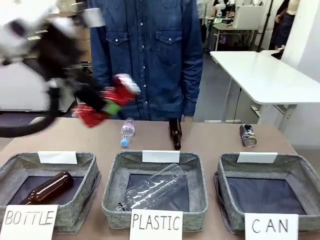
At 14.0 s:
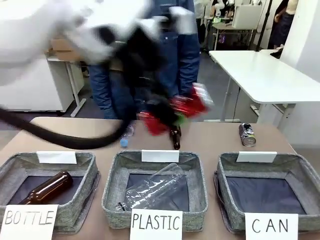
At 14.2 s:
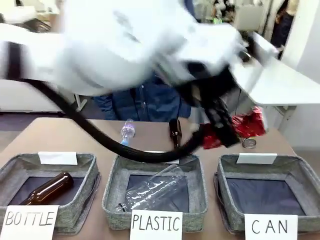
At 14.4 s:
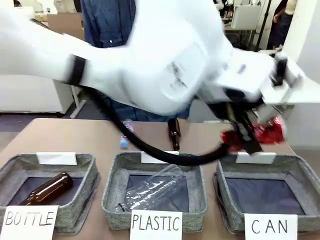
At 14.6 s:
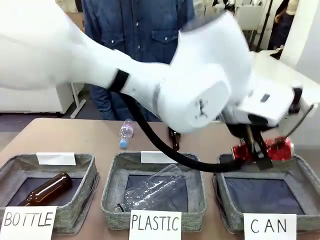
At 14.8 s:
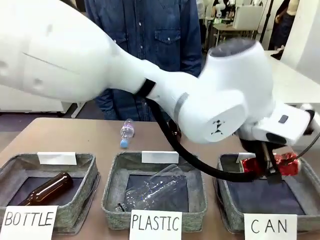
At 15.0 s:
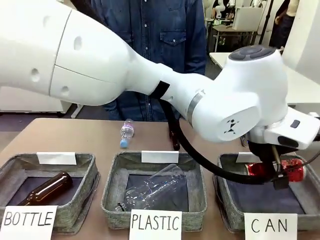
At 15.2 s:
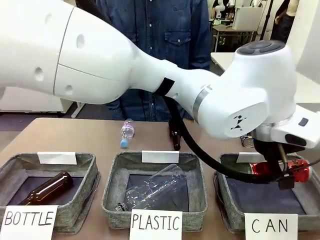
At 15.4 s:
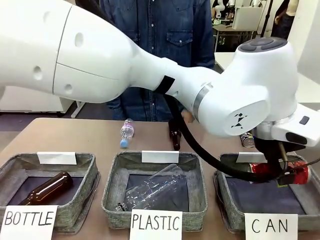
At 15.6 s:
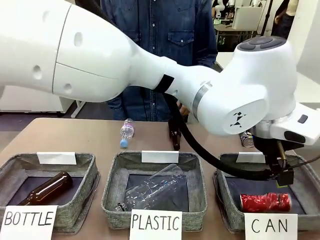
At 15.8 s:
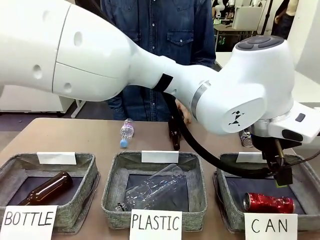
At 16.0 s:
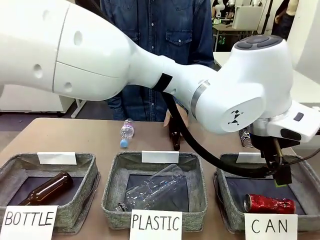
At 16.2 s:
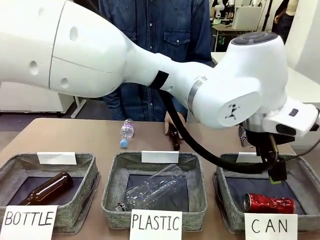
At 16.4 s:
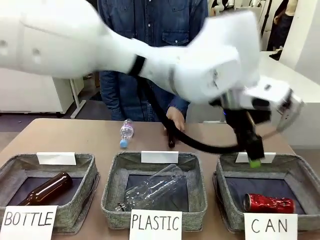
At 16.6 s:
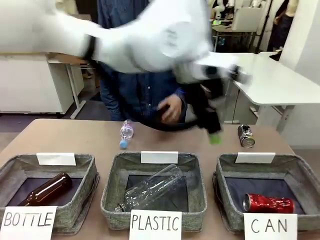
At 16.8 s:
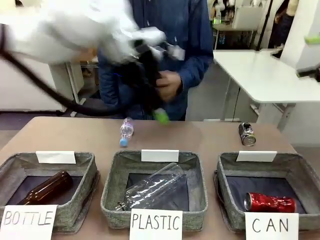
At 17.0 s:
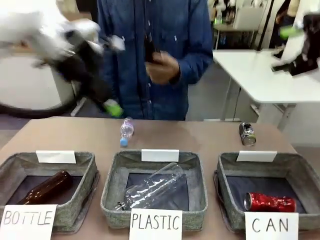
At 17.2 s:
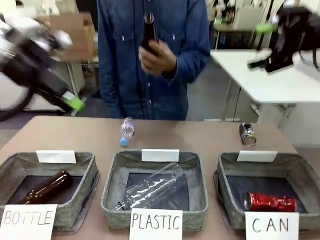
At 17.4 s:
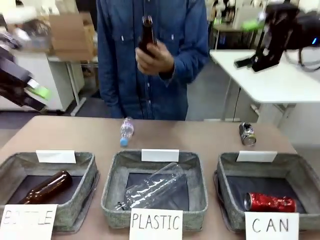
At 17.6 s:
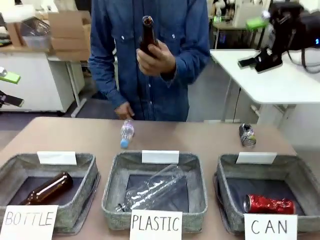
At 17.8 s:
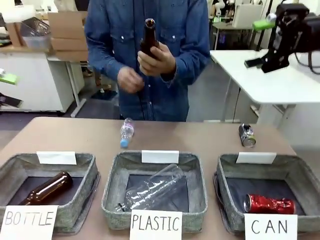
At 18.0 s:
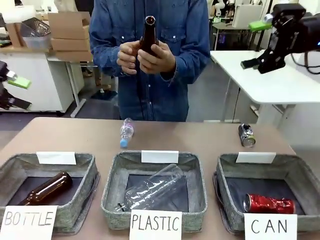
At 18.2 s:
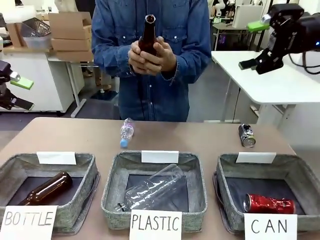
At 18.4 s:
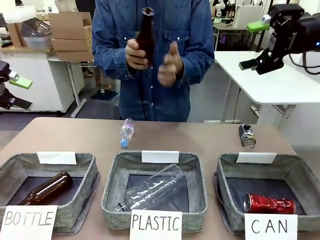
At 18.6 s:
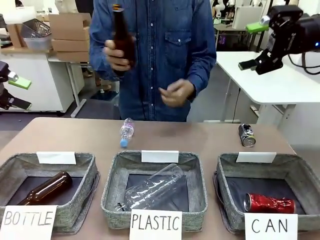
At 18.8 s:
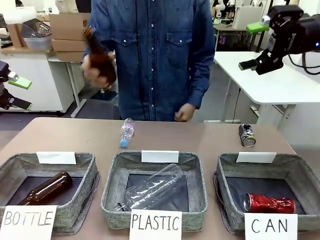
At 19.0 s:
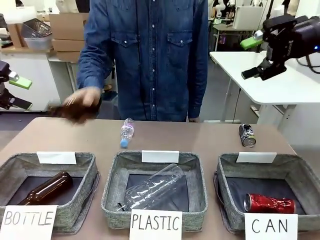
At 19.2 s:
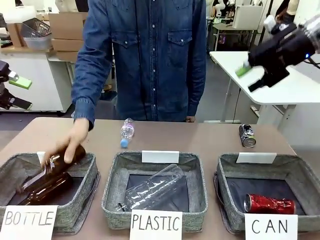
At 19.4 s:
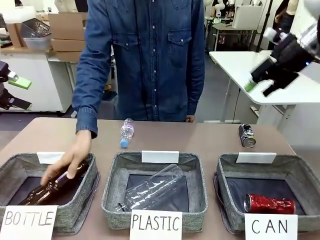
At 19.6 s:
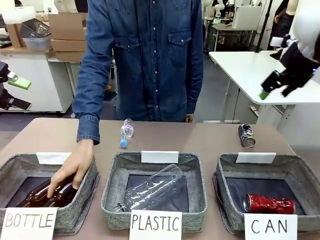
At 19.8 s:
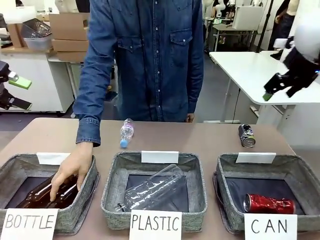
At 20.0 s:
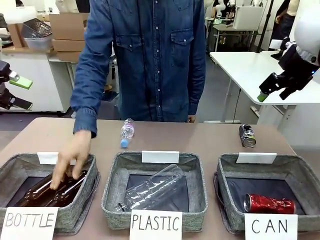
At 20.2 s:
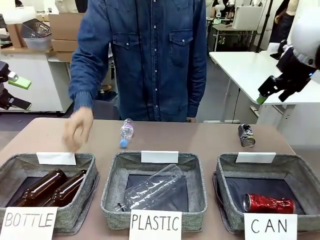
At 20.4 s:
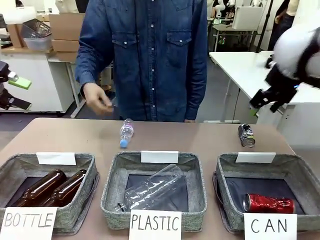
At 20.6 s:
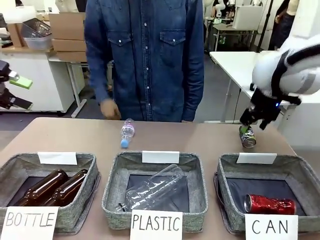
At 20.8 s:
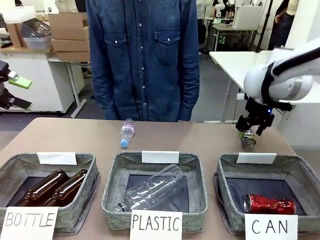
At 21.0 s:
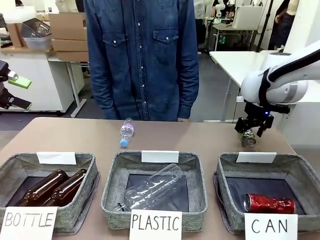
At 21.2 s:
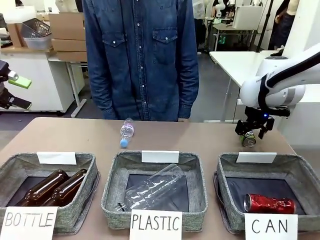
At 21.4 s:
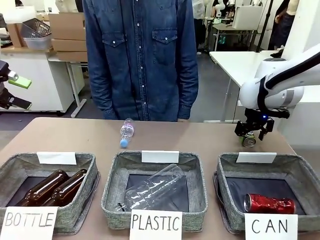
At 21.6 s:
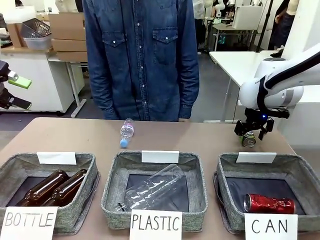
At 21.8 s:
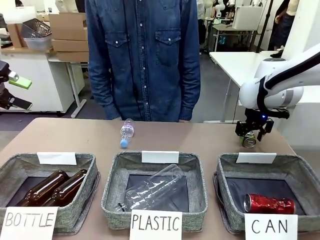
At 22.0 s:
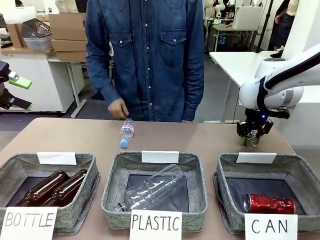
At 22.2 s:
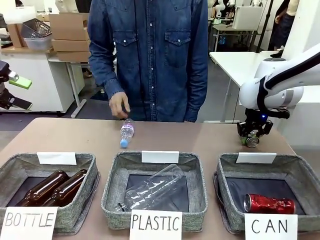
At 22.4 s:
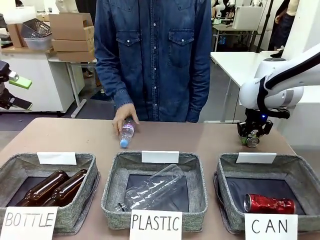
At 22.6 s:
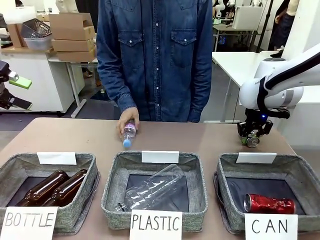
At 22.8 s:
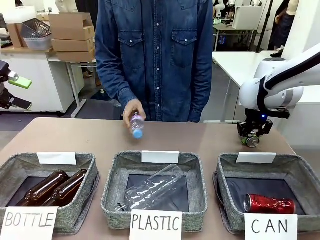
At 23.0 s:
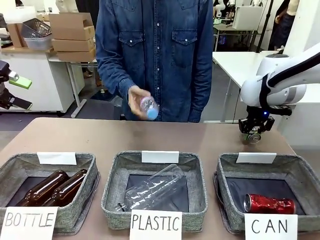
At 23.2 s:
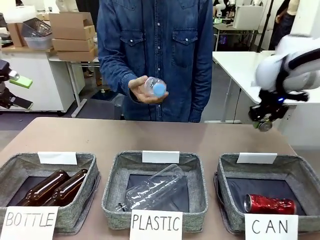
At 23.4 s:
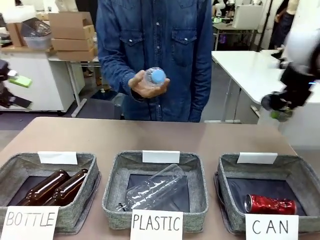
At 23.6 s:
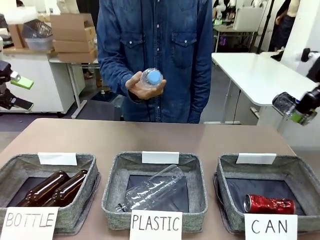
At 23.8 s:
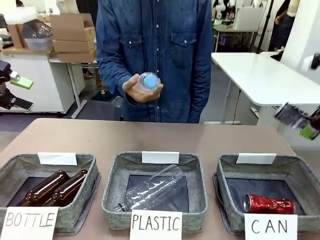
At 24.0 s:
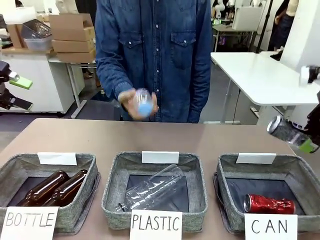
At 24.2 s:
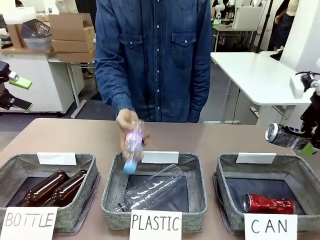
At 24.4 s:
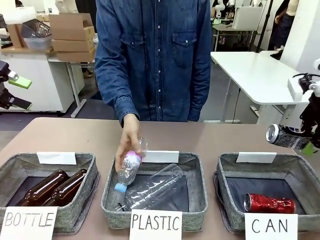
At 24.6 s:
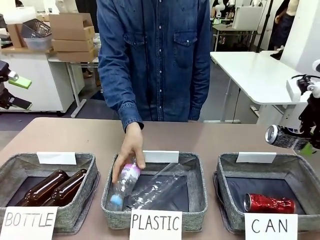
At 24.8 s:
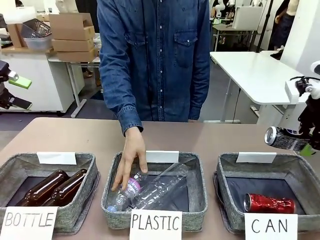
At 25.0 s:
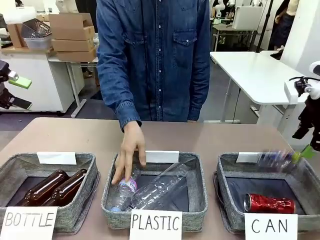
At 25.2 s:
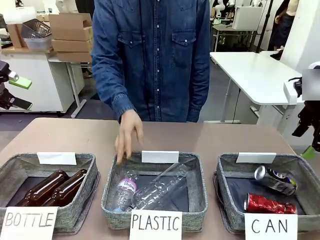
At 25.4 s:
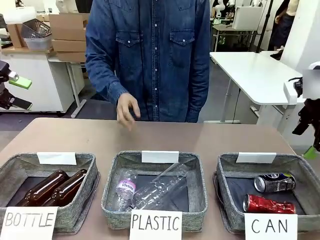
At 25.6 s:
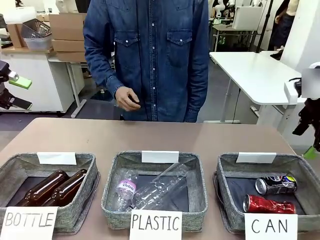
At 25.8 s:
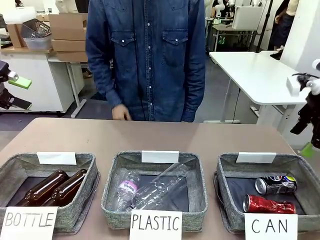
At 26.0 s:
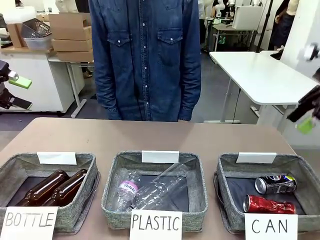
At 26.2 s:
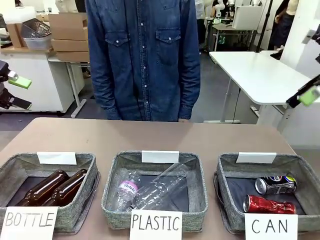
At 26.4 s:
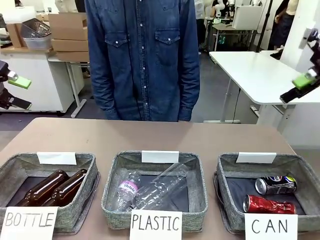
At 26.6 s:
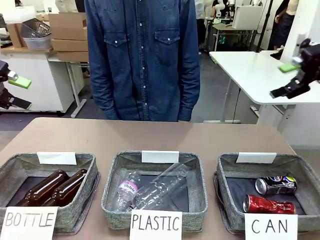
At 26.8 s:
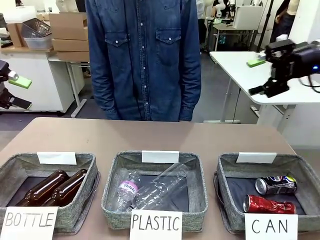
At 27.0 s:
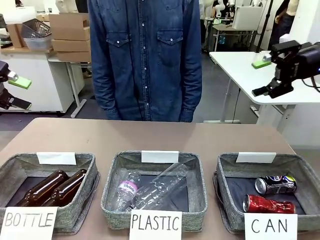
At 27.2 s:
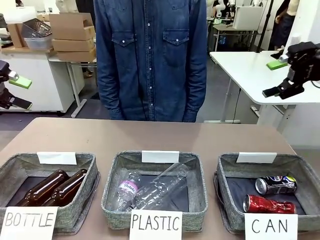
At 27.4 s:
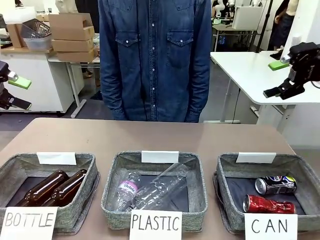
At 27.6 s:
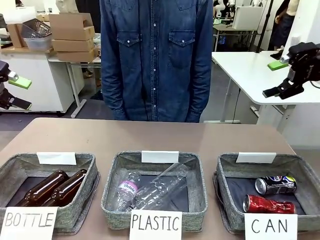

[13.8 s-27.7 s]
Task: Sort the can waste into the basket.
Robot: Pick up the can waste from the table and place it in the right Fabric basket.
Person: The human picks up one piece of trash that is not a can and places the trash into the appropriate organizing basket.
